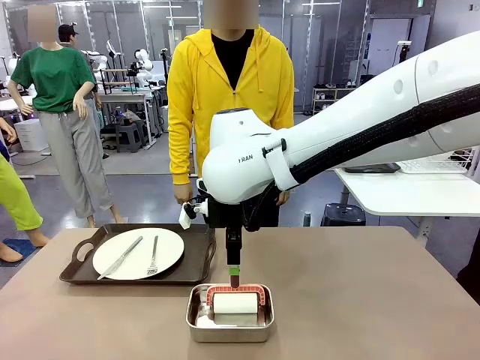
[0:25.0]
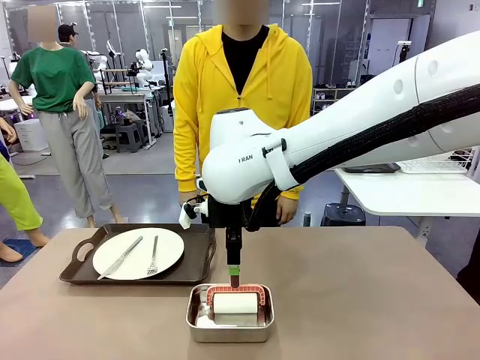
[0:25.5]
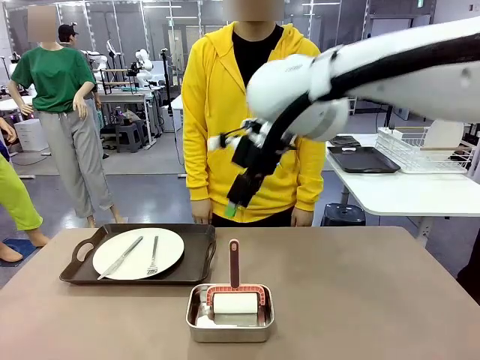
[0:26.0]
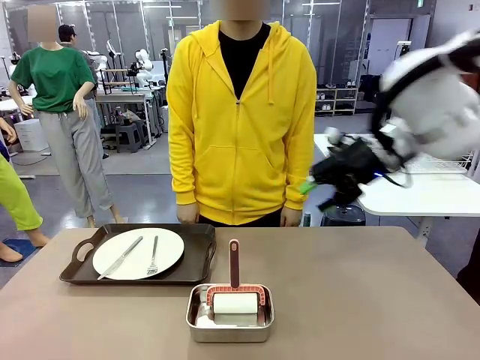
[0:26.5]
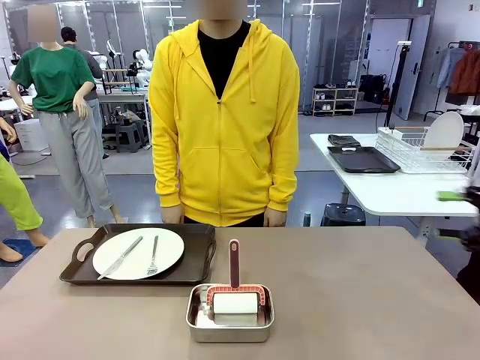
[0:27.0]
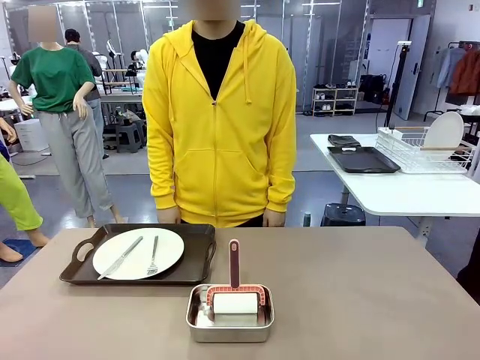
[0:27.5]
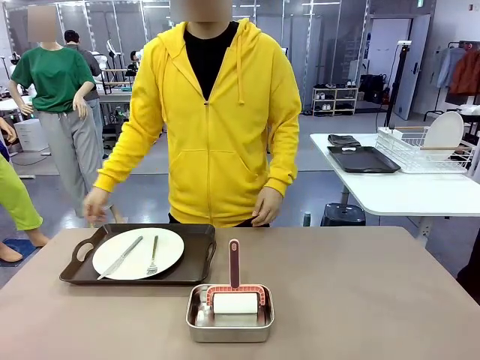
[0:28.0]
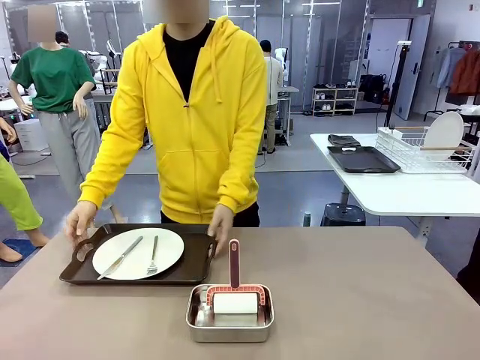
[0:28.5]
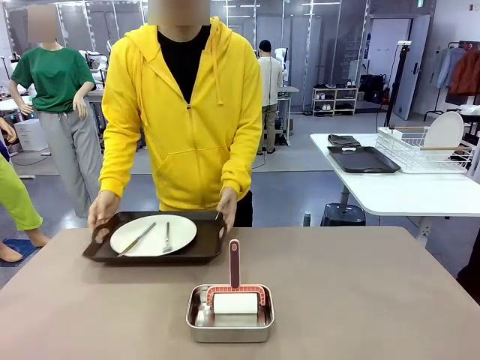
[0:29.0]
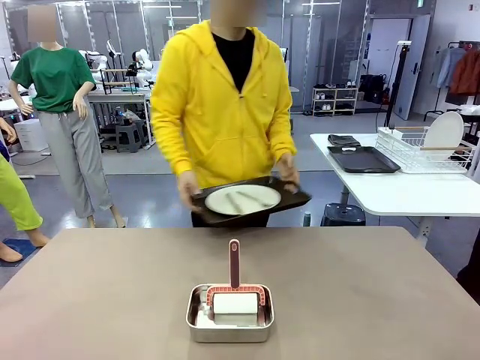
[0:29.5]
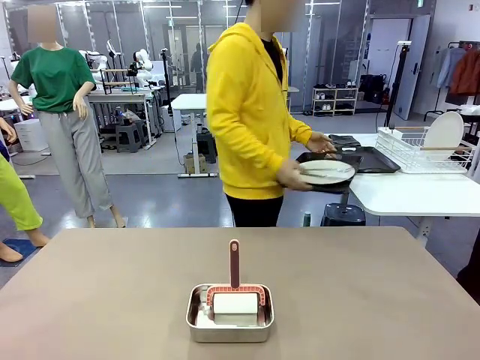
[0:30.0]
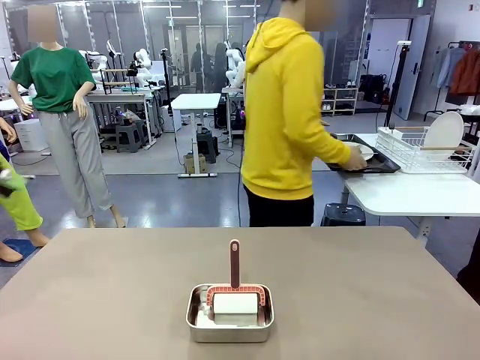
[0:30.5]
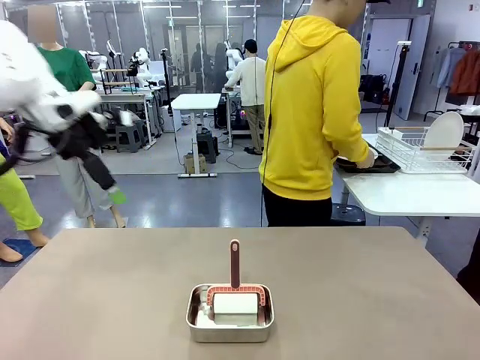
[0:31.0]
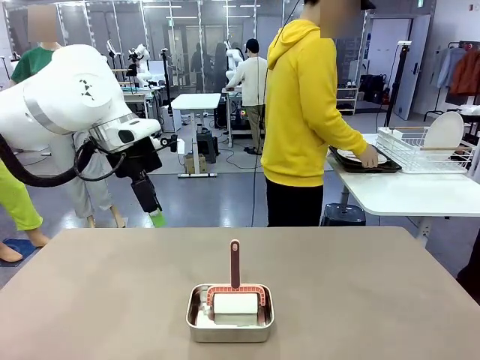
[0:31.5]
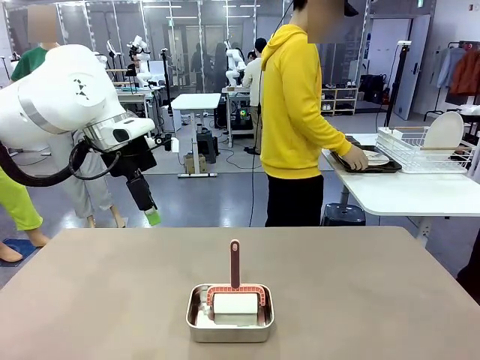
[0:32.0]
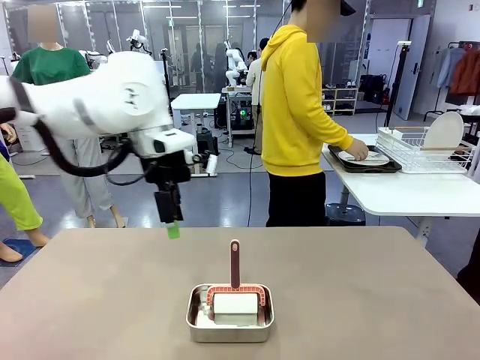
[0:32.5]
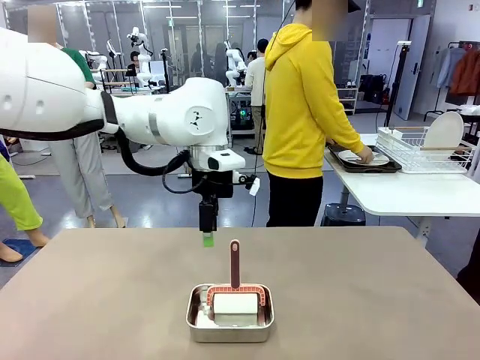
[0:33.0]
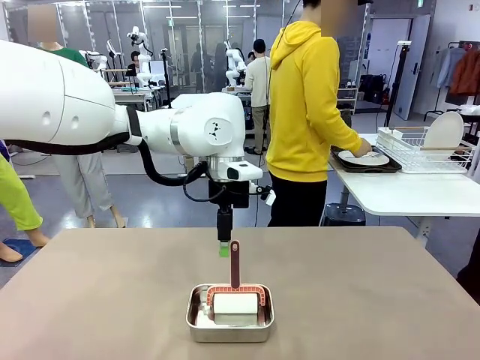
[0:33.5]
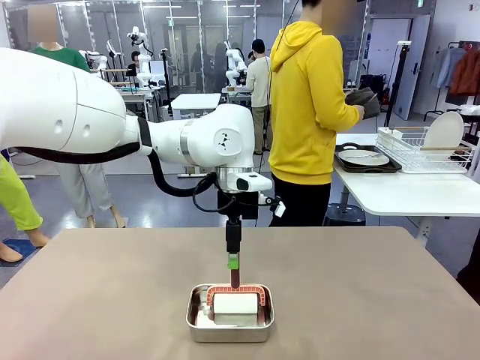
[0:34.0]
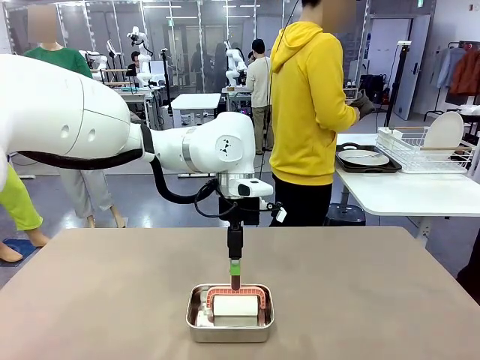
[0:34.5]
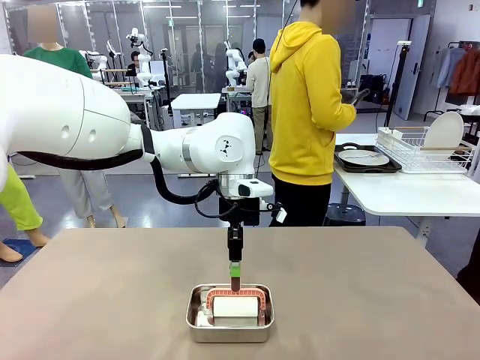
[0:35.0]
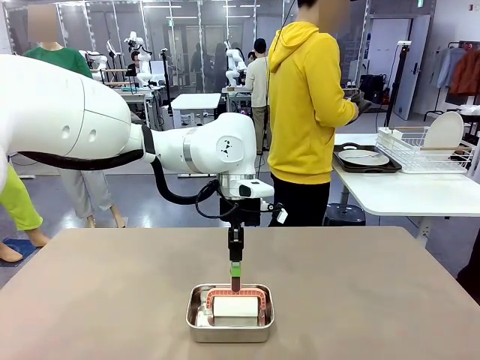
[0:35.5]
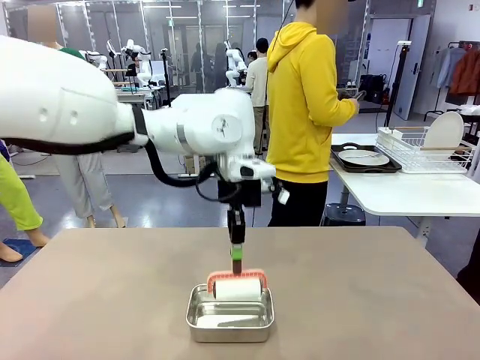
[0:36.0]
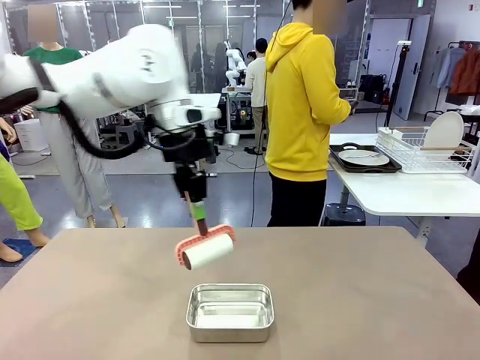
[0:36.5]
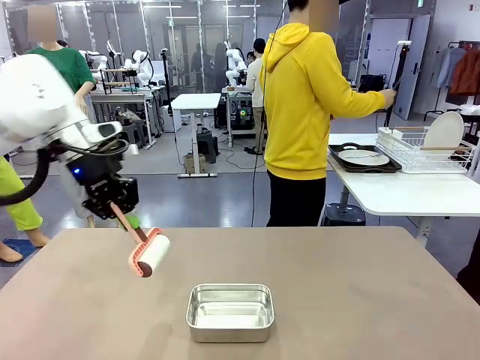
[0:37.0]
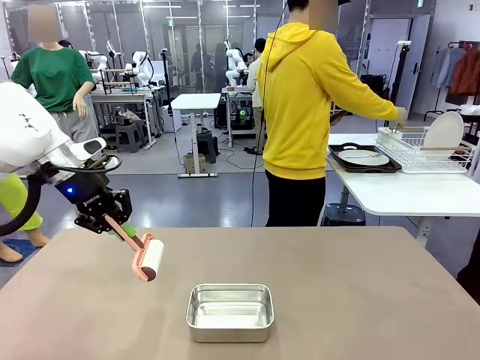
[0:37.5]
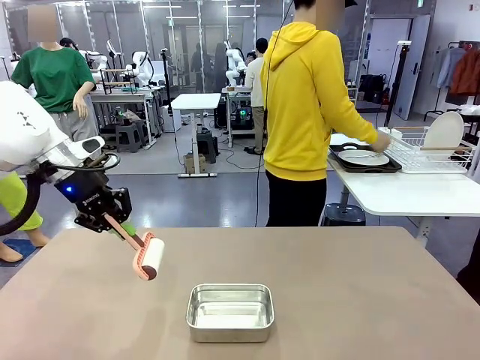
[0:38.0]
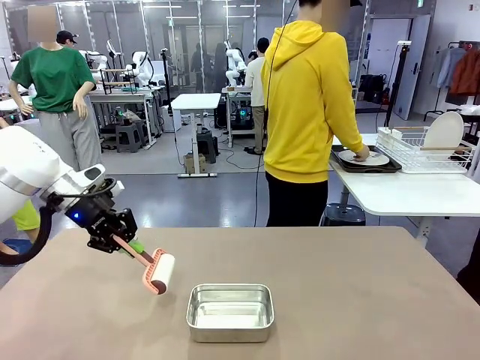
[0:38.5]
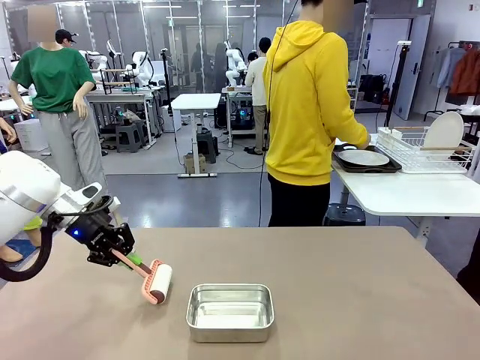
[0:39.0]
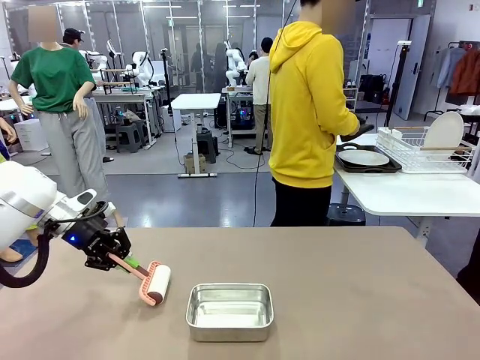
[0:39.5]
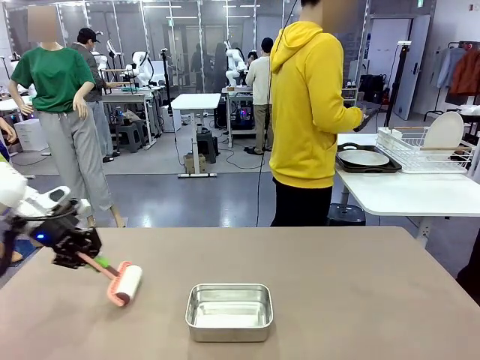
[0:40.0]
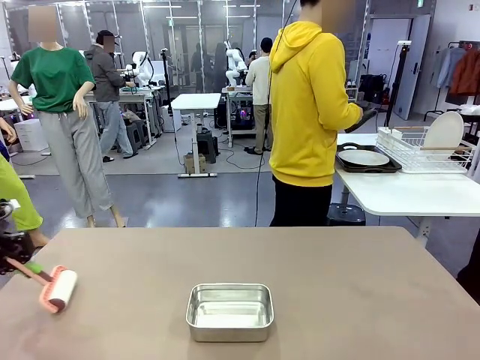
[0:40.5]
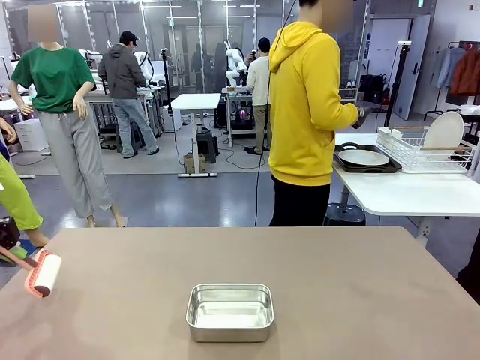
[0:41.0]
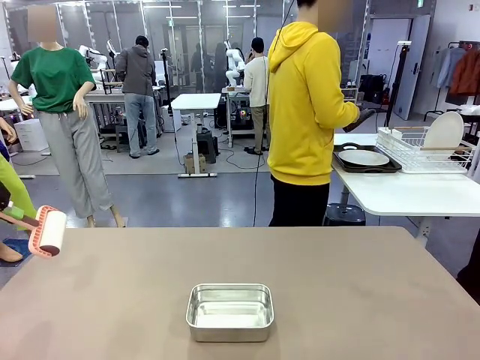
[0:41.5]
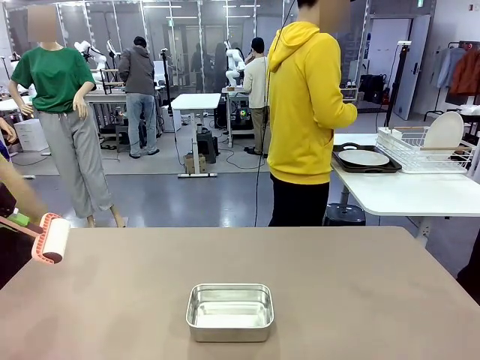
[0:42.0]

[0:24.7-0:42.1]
Robot: When the right (or left) Handle tray is removed, use the right hand (or left hand) to clean the right (or left) side of the table with the Lint Roller.
Person: Pick up the left (or right) Handle tray and place it on the Handle tray.

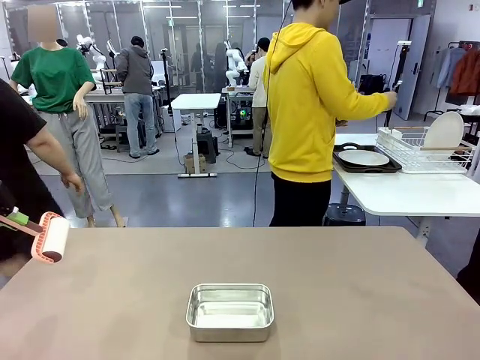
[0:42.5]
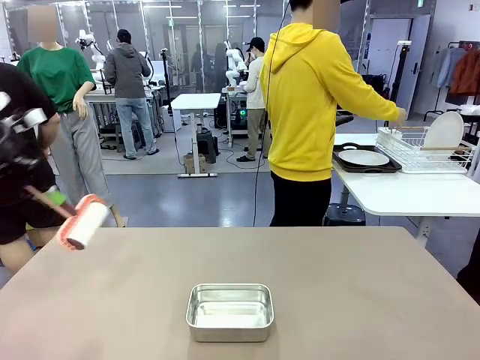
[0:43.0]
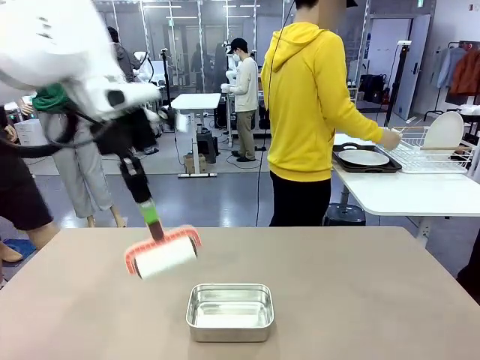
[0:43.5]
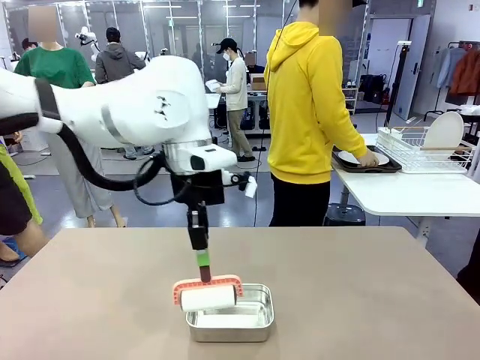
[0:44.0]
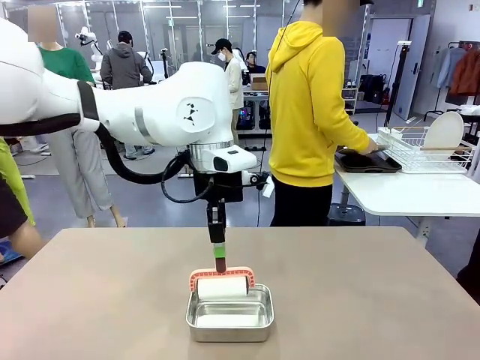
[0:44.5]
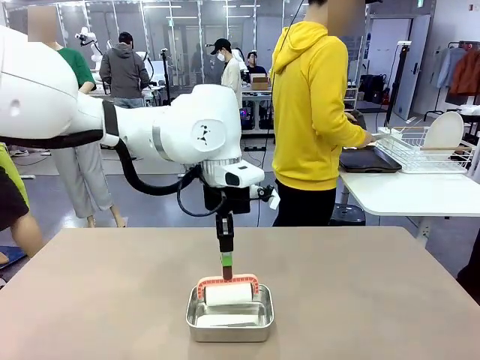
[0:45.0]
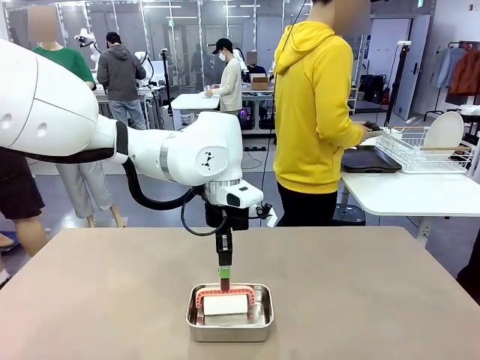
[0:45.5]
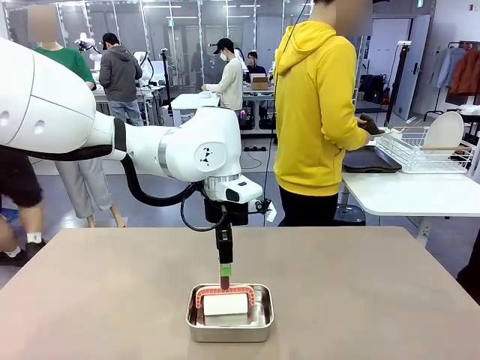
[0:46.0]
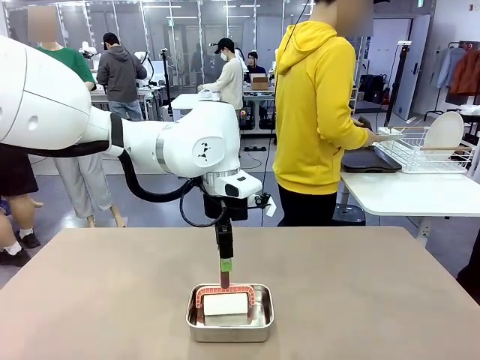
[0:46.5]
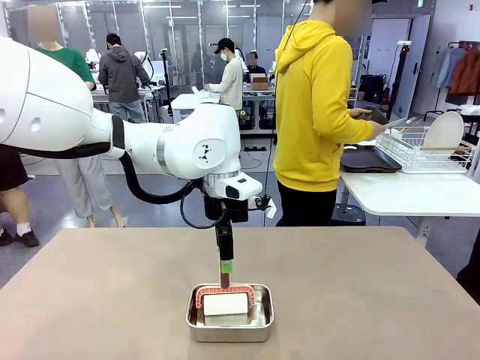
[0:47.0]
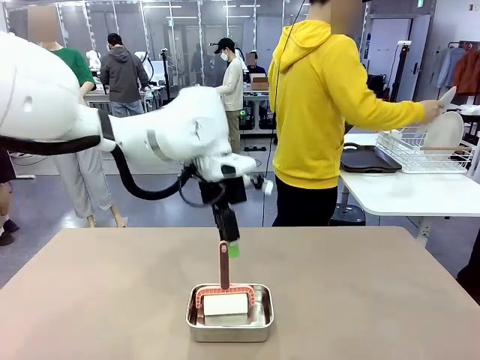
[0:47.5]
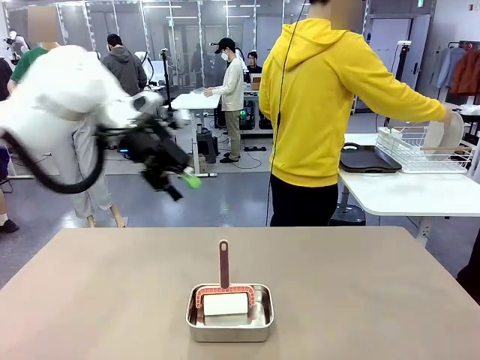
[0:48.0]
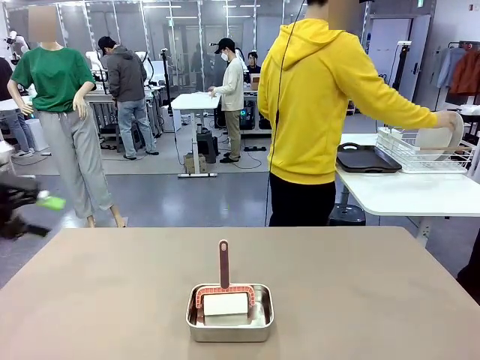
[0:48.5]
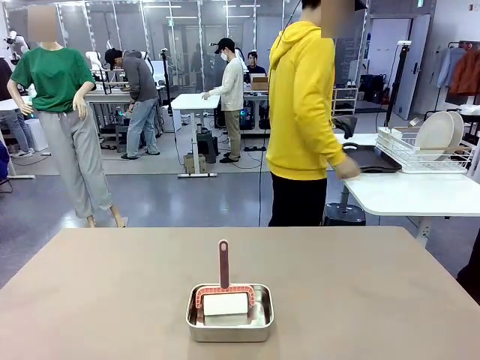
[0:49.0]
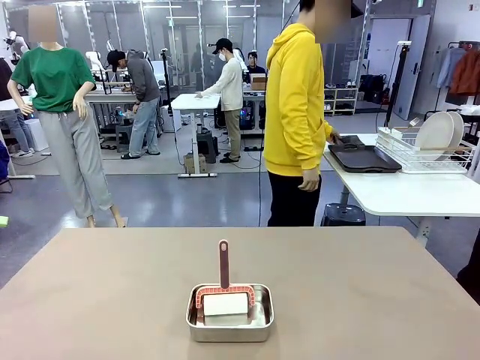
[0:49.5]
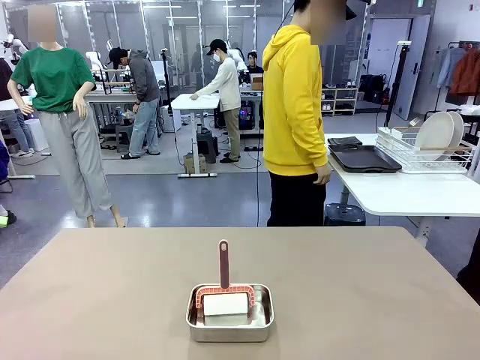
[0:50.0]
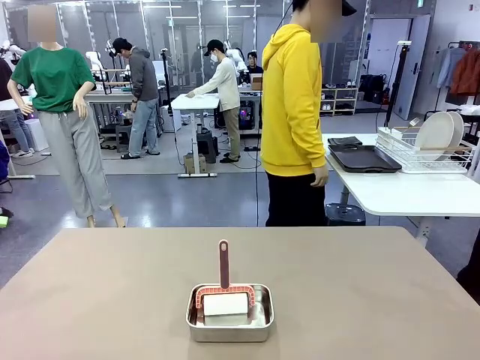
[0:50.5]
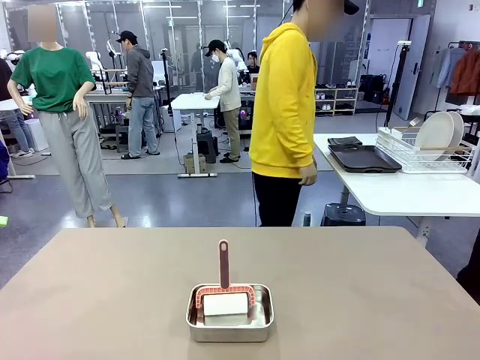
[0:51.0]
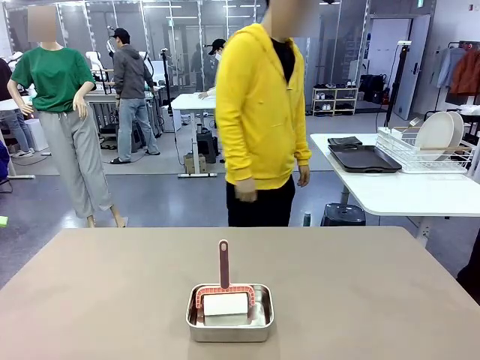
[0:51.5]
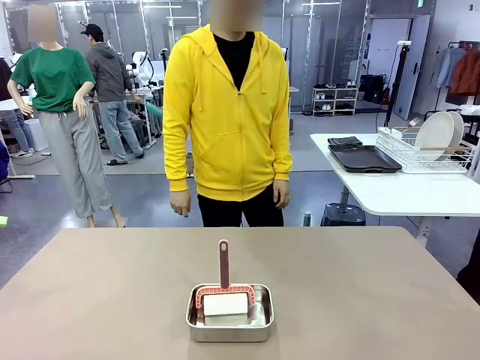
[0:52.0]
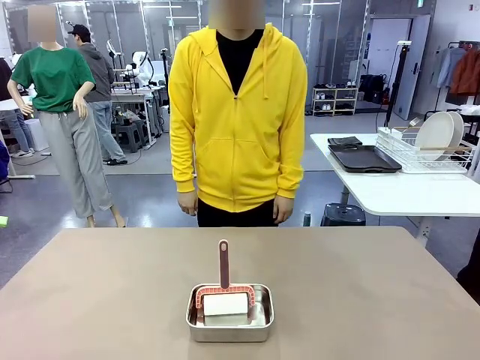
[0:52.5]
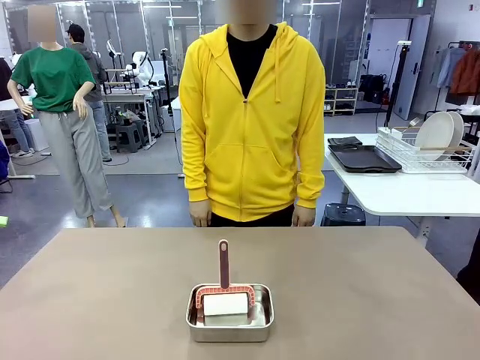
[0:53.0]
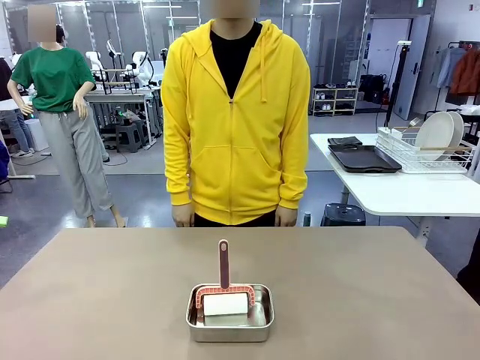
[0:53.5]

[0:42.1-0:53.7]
Robot: Place the Lint Roller back on top of the Airtight Container.
Person: Use the Towel with hook to wipe the Plastic Matte Plate , Fork , and Knife and place into the Dish drying rack.
